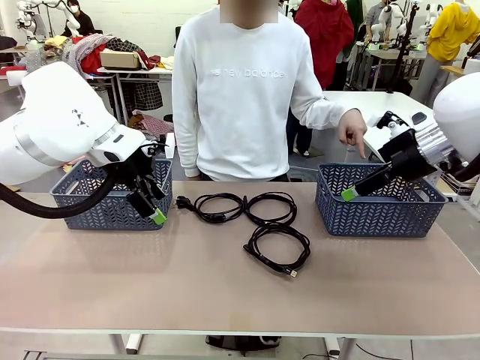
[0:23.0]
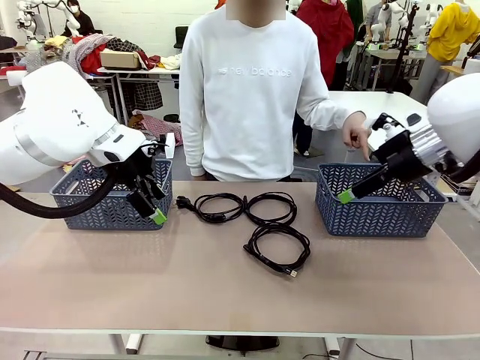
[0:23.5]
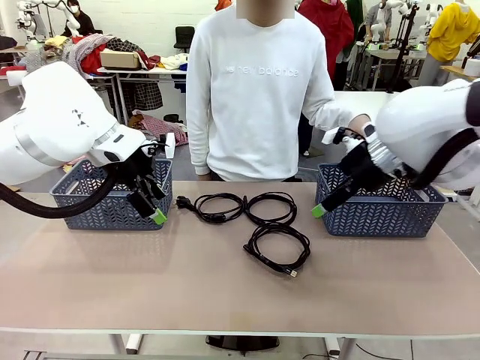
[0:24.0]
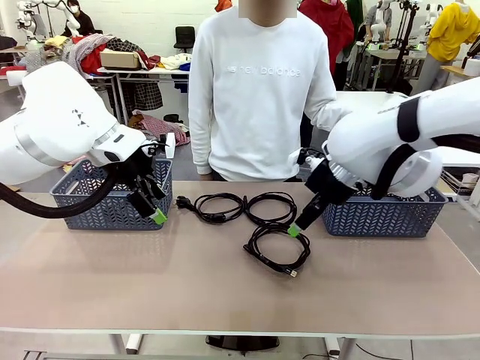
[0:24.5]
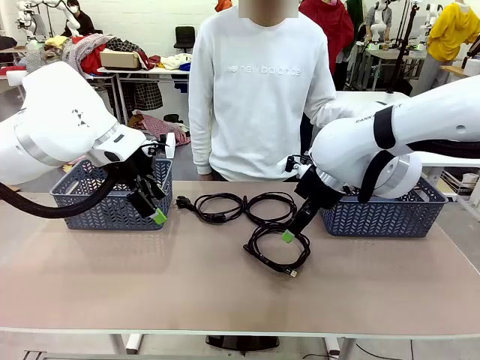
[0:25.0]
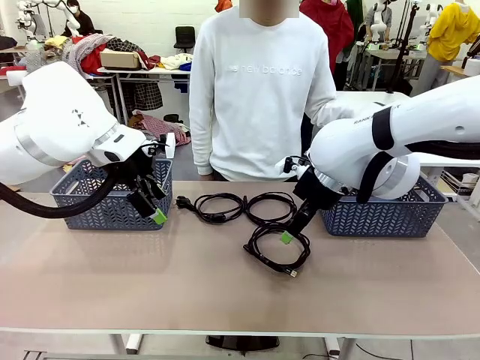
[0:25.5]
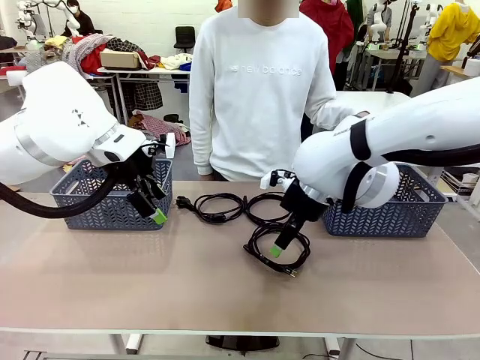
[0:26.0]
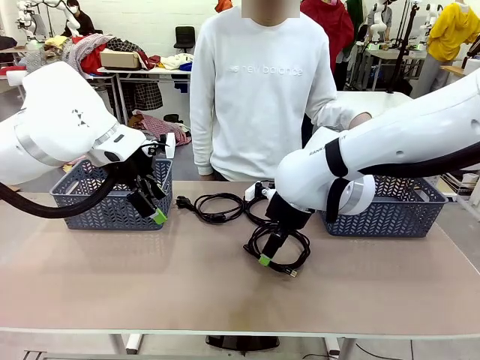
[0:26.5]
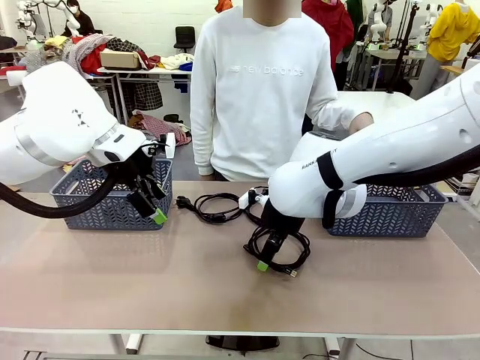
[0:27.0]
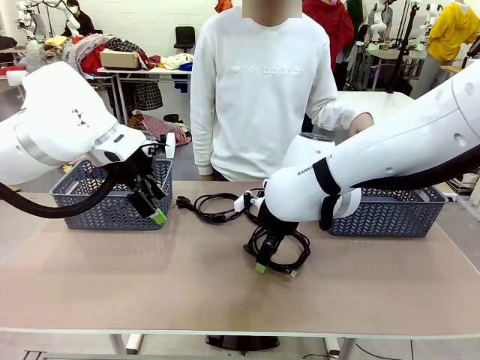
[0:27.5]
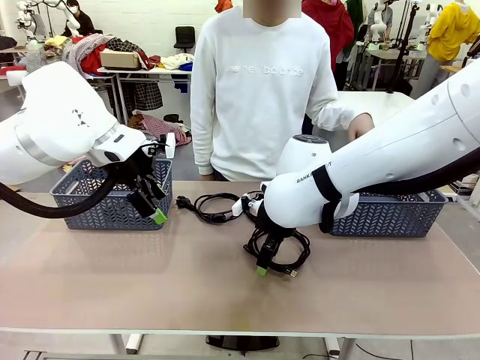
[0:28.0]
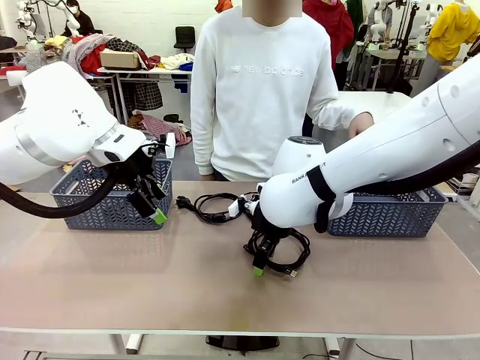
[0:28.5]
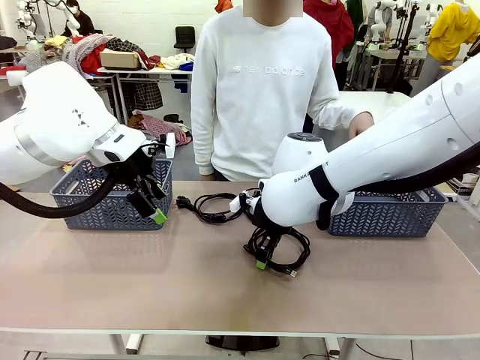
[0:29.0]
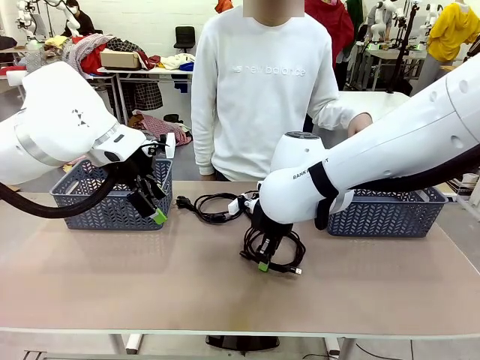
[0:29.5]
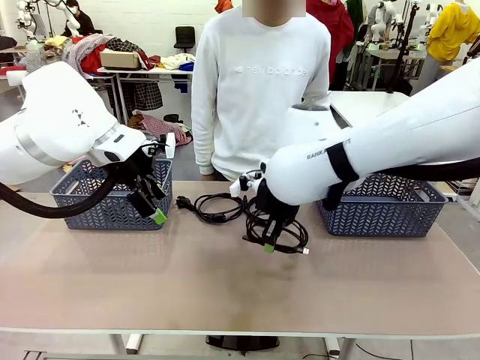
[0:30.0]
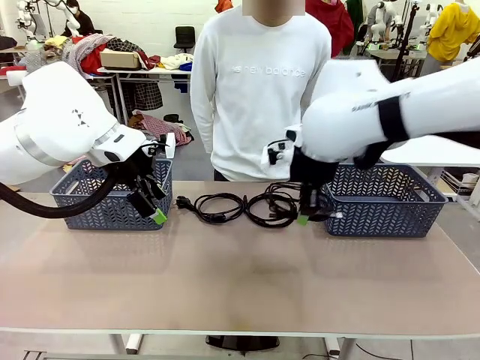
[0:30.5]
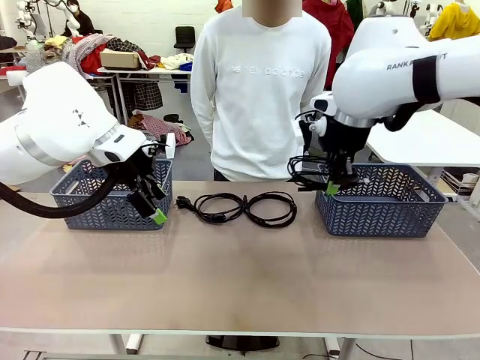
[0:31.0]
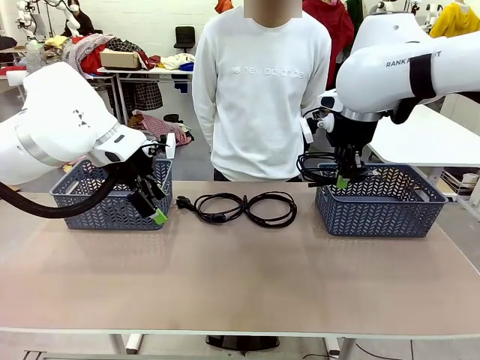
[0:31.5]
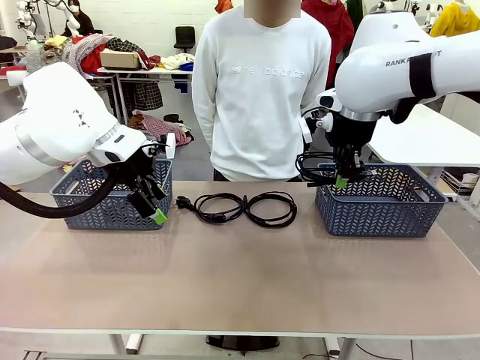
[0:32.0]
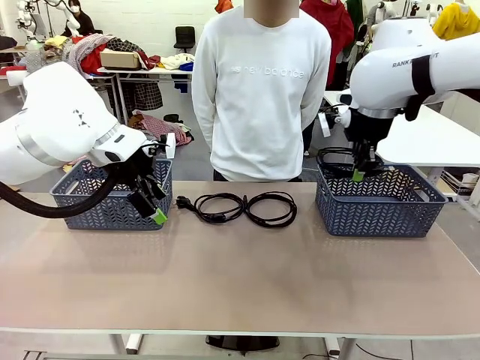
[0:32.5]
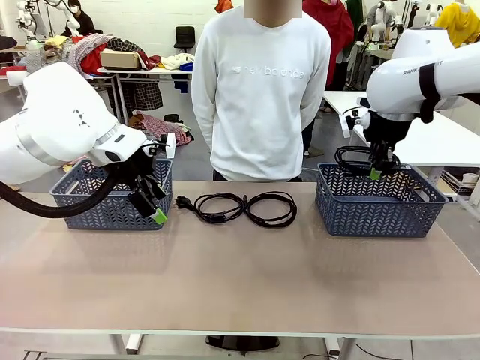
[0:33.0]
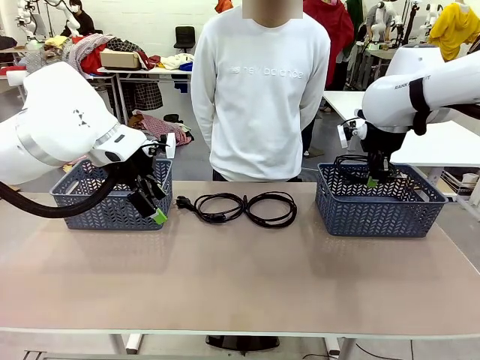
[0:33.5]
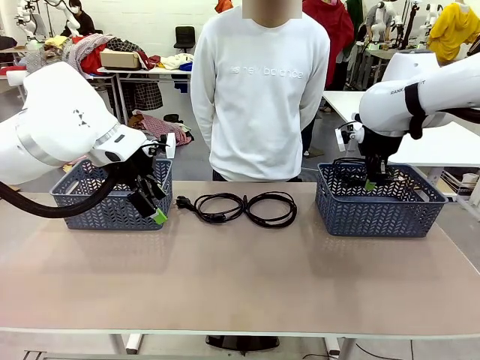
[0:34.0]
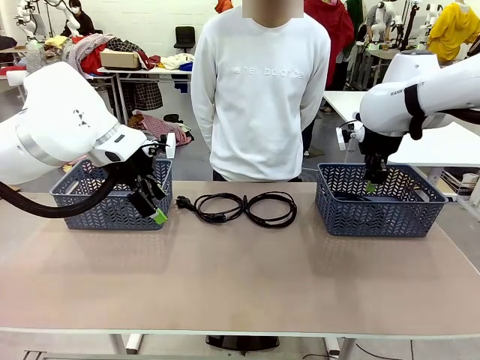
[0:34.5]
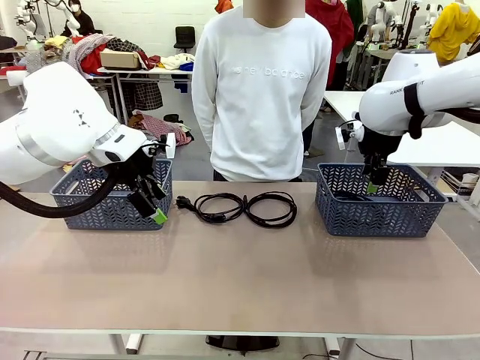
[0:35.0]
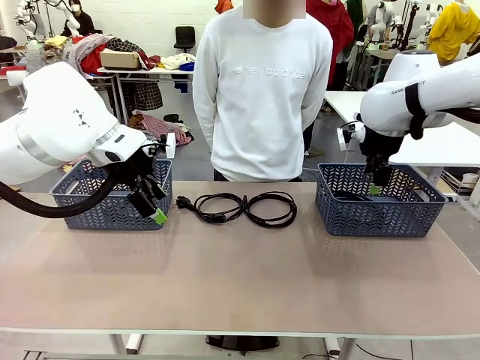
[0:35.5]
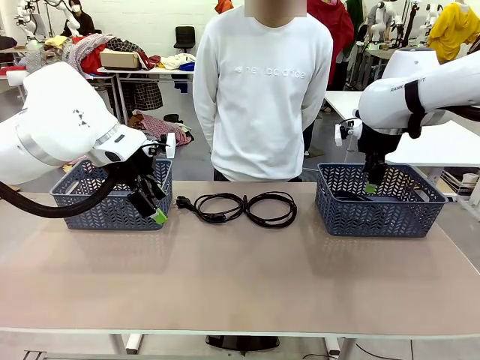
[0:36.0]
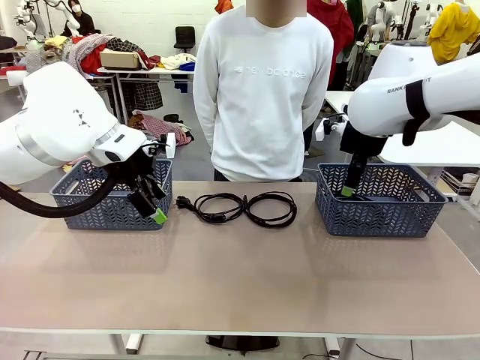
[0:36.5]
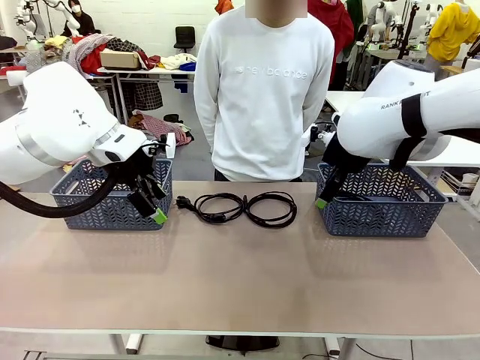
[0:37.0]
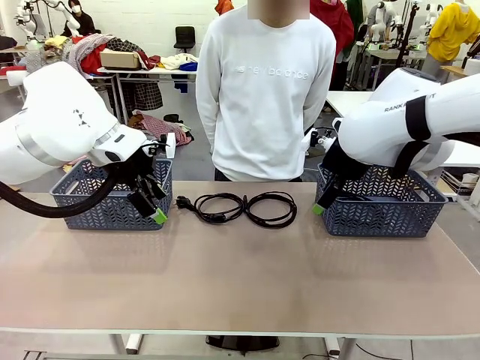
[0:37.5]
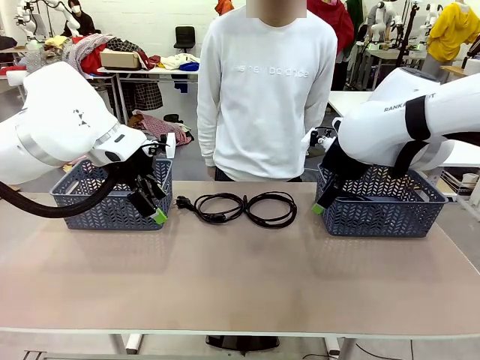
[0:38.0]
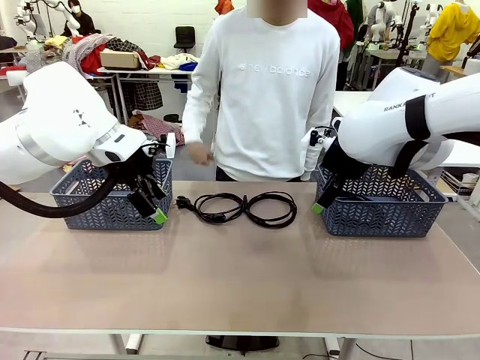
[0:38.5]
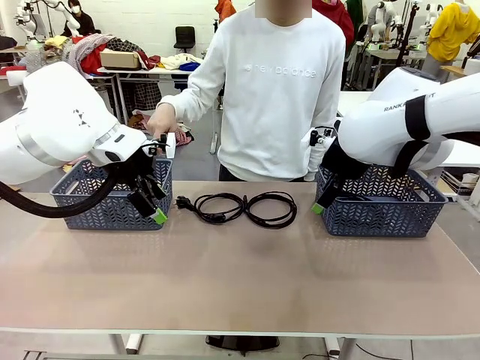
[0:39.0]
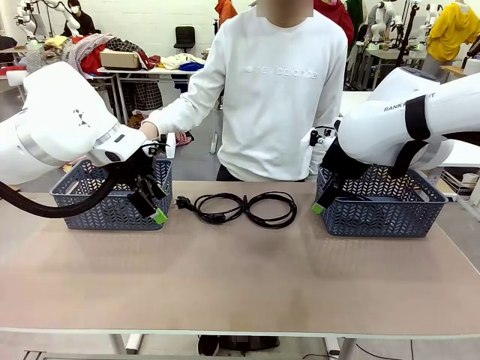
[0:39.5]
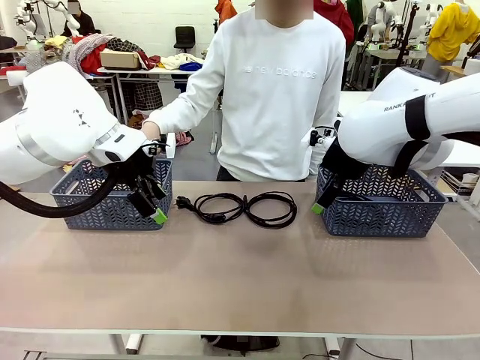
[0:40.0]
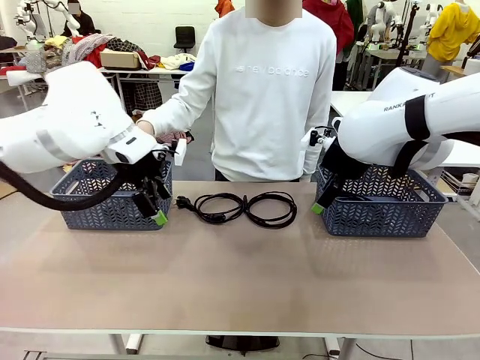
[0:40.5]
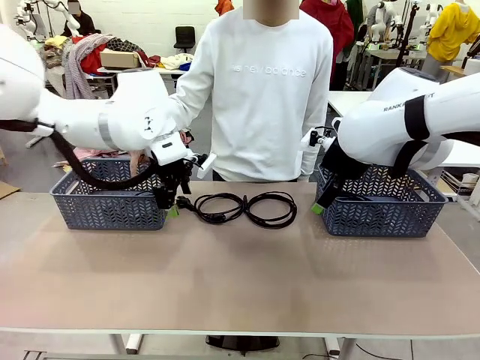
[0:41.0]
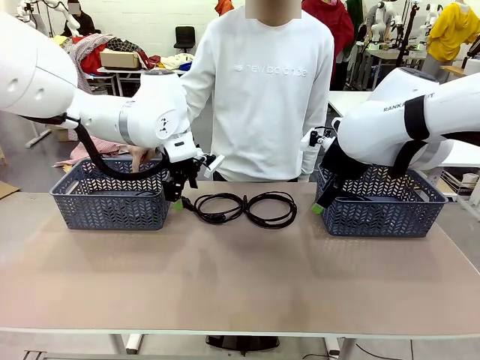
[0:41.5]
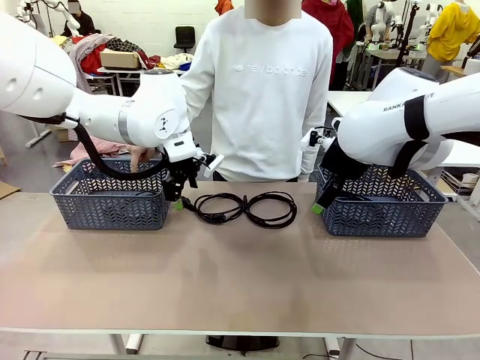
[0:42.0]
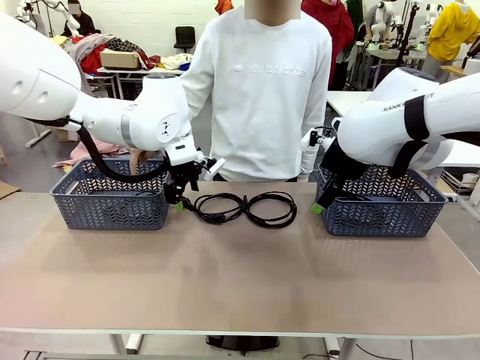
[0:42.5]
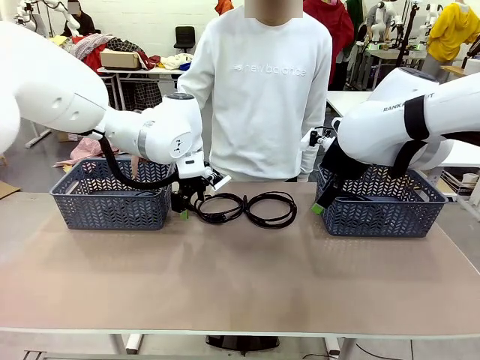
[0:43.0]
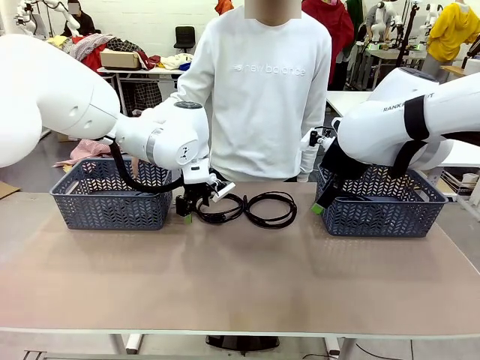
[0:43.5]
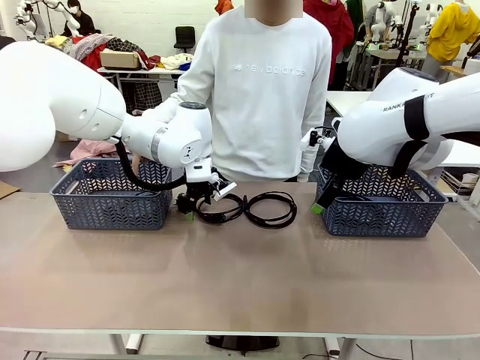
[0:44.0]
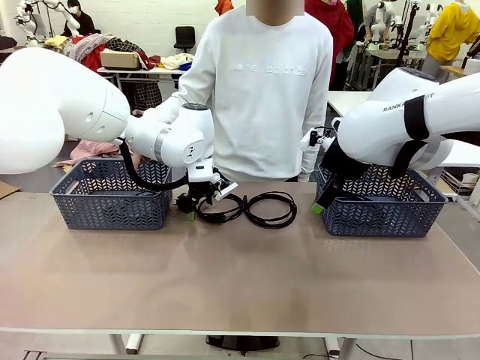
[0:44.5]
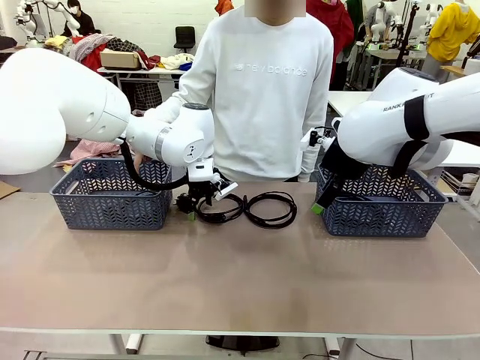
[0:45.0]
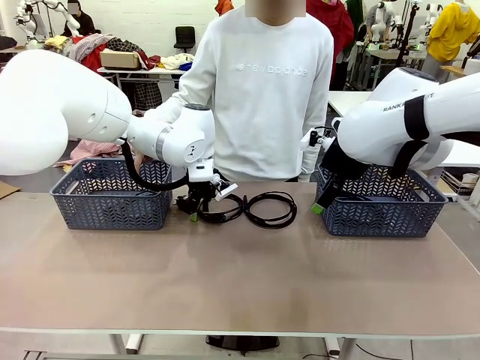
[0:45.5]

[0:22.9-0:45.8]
Task: Organize the cables according to human instructions.
Robot: Pick up a bundle of cables and place it in the basket indicated by the human.
